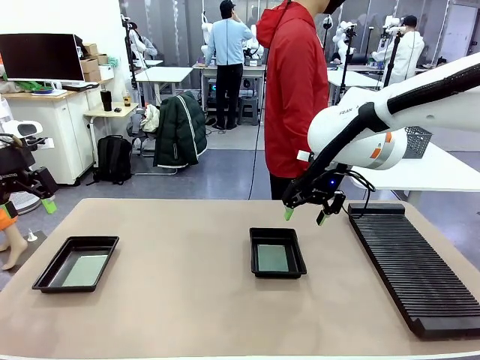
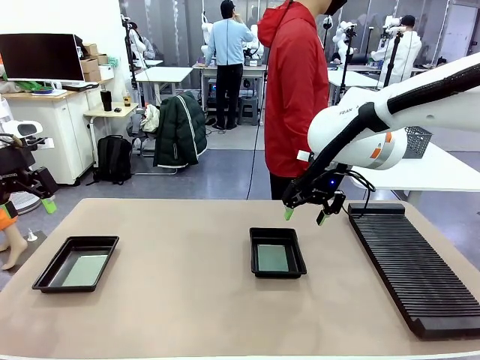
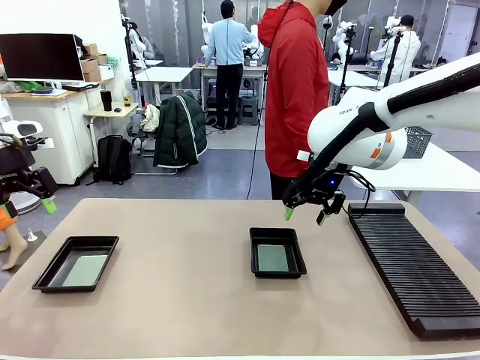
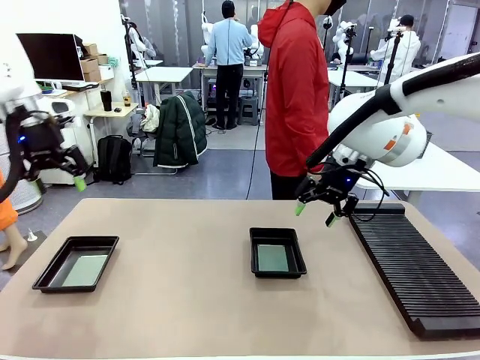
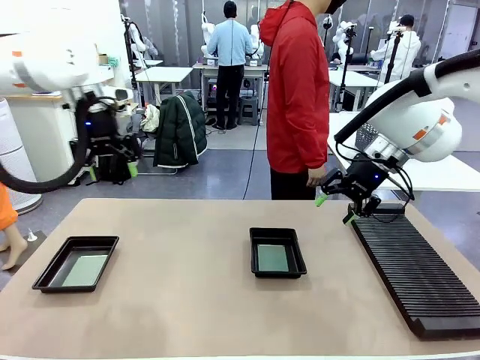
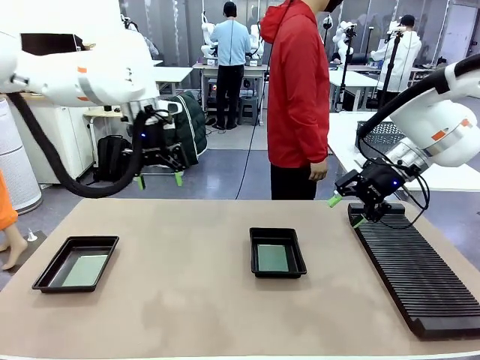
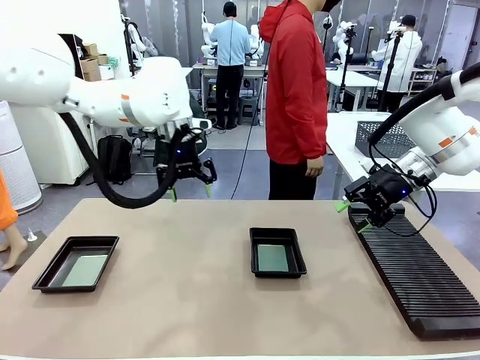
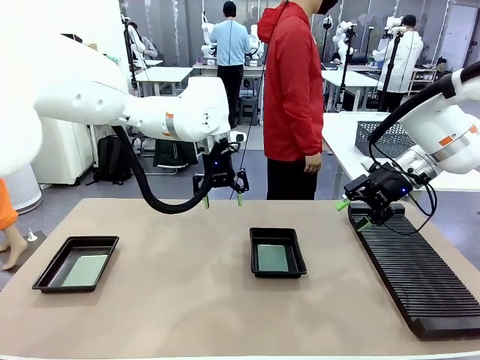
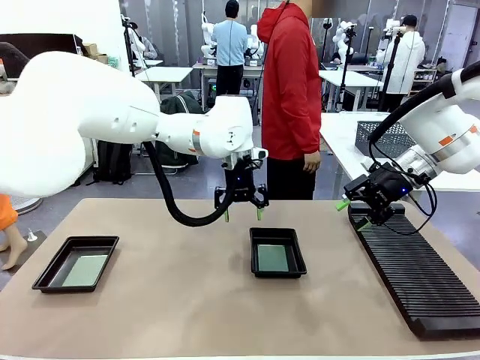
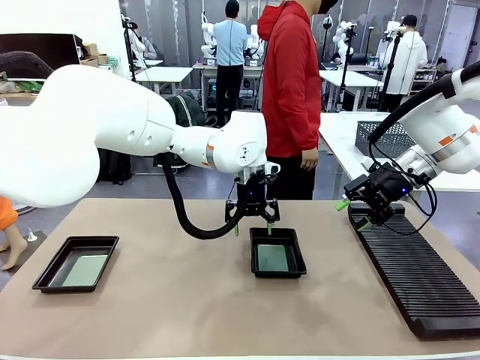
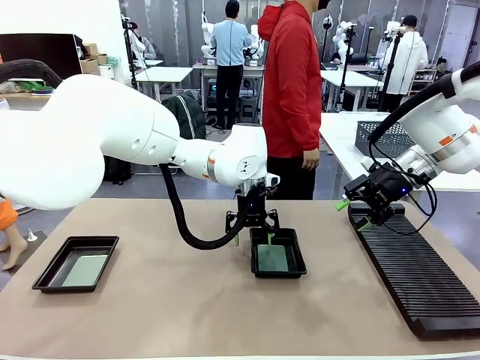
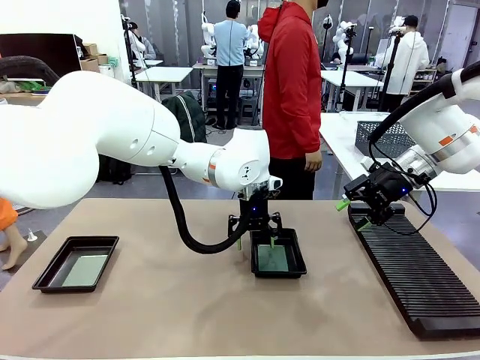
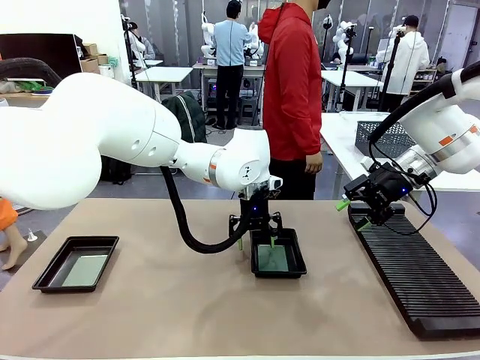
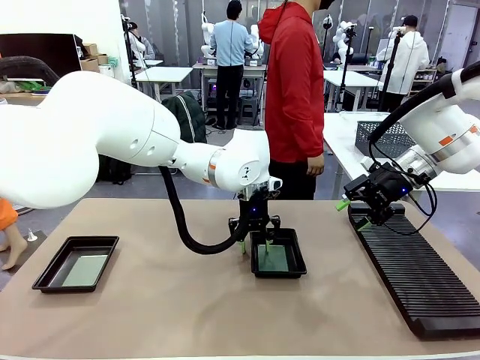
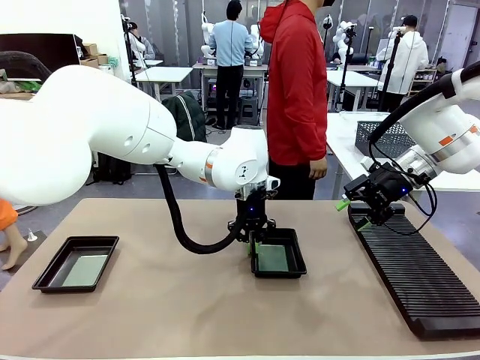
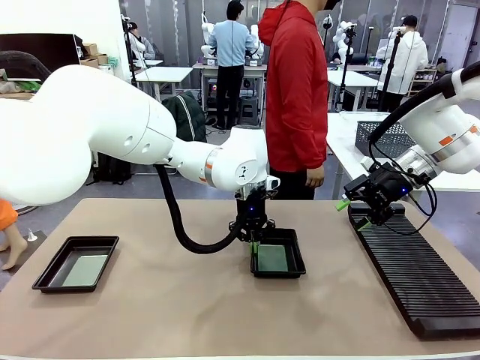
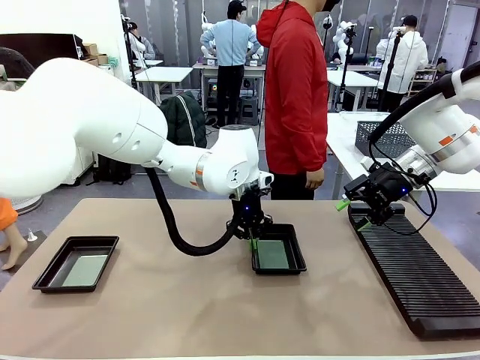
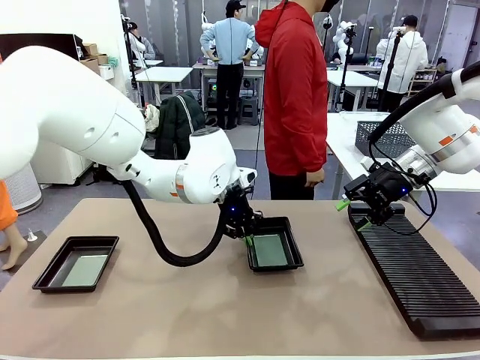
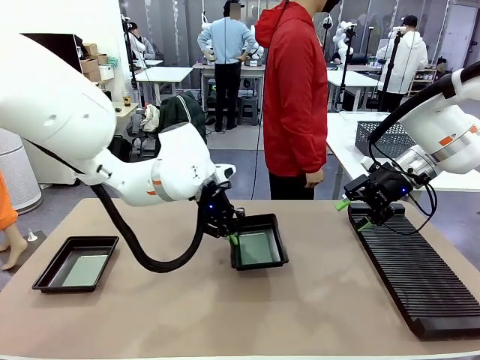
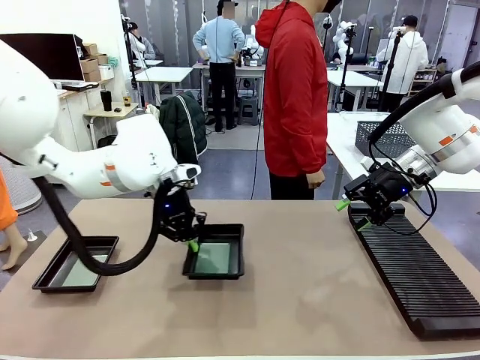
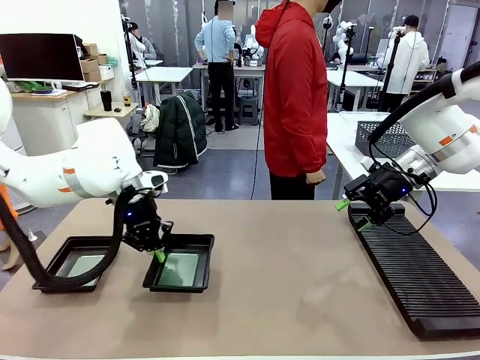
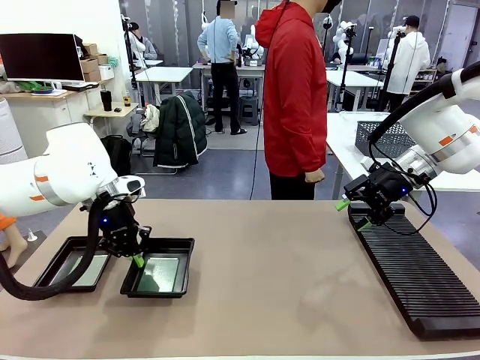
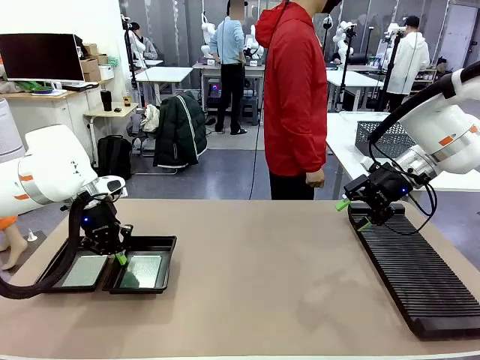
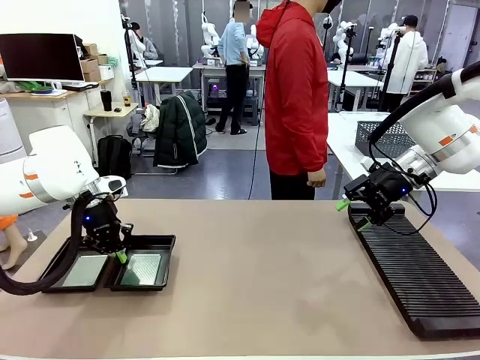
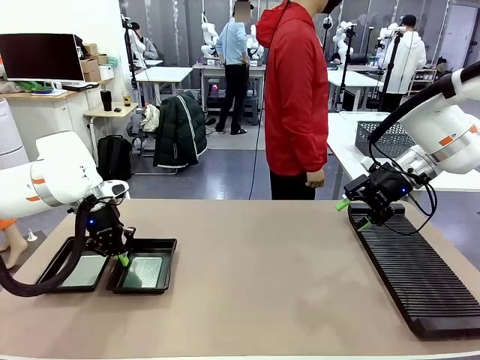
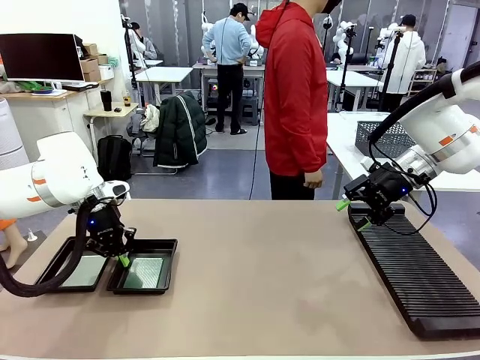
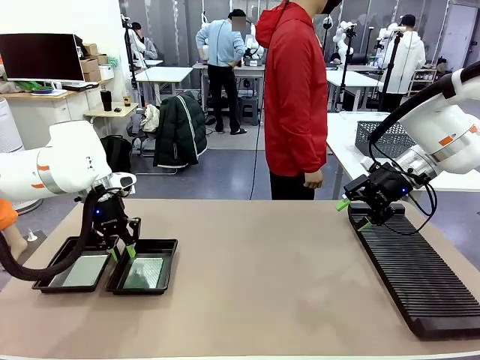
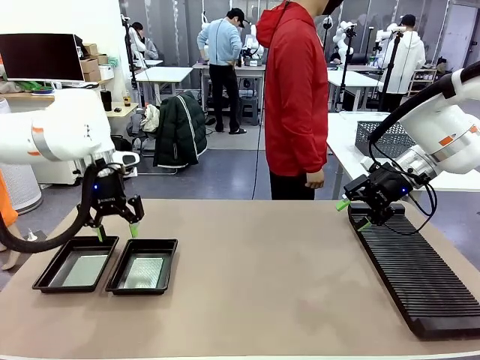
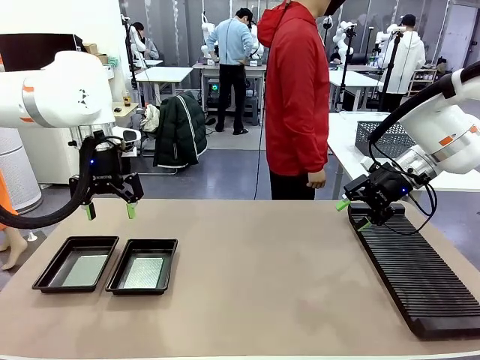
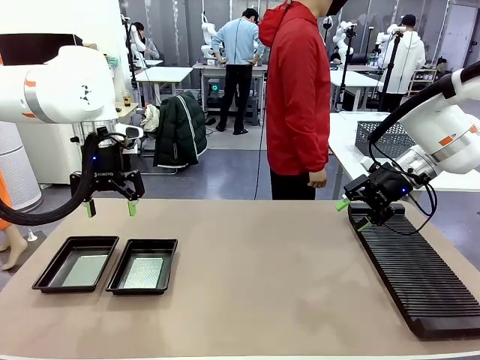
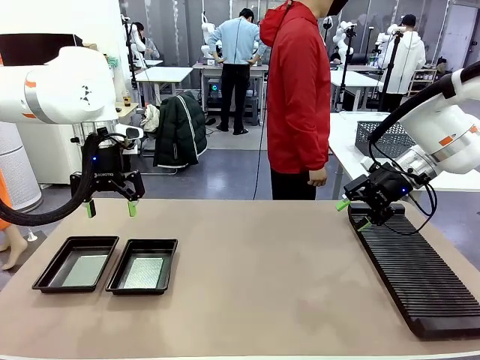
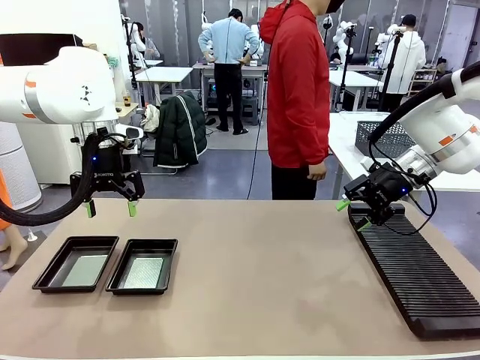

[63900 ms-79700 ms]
Task: Inspect and transfer BCBs to ESD trays.
Robot: Pick up the ESD tray and place it on the left side of the table.

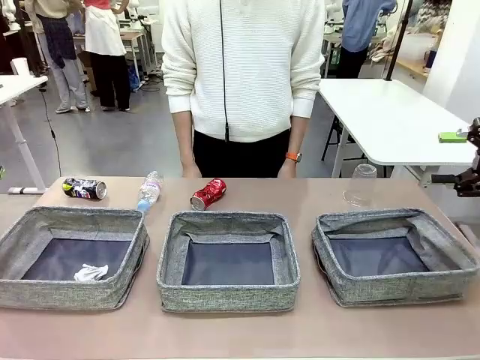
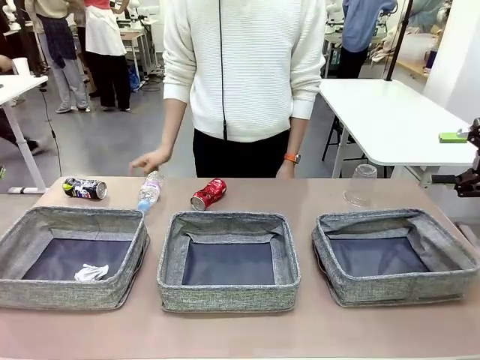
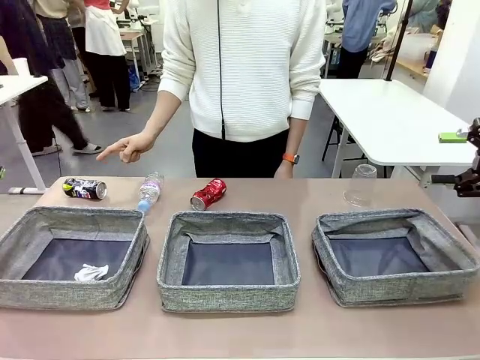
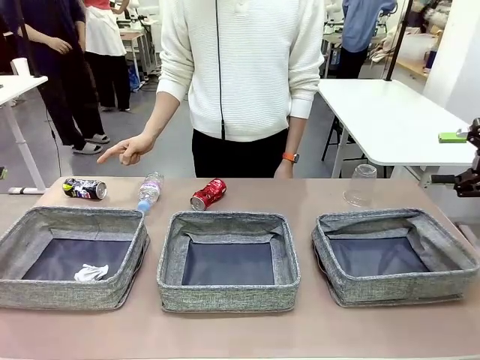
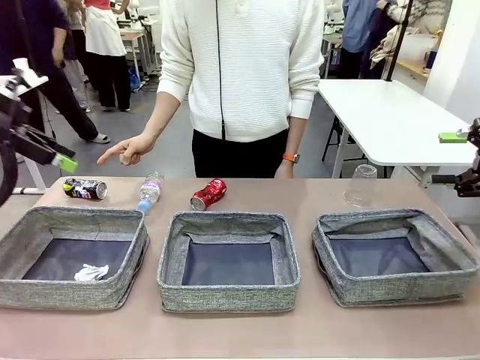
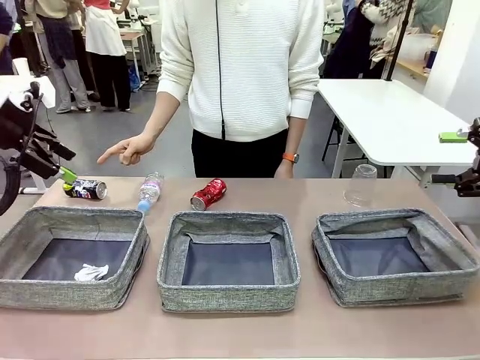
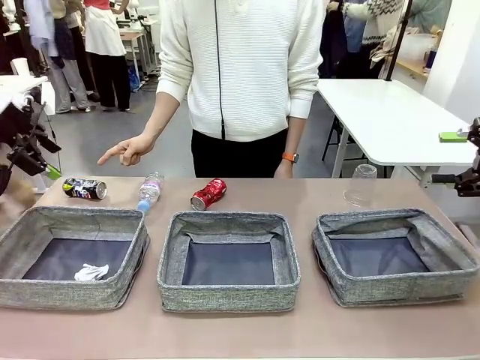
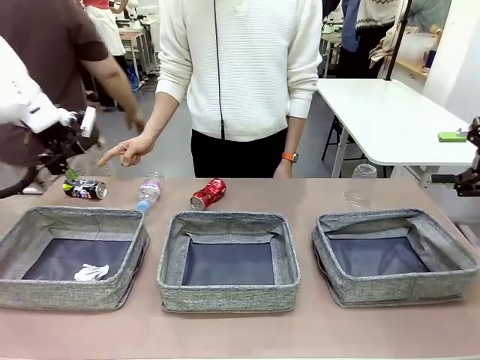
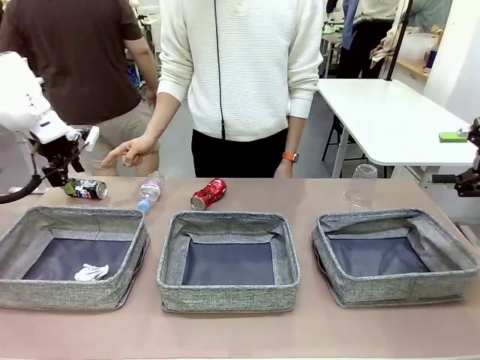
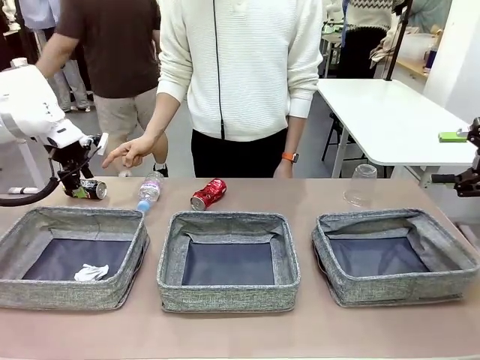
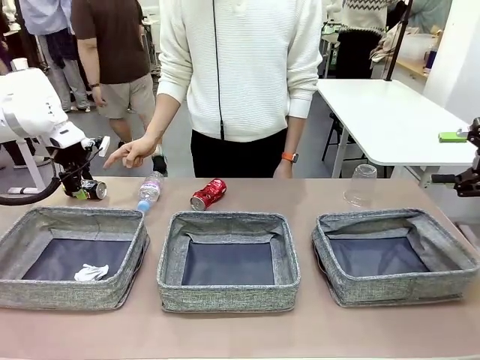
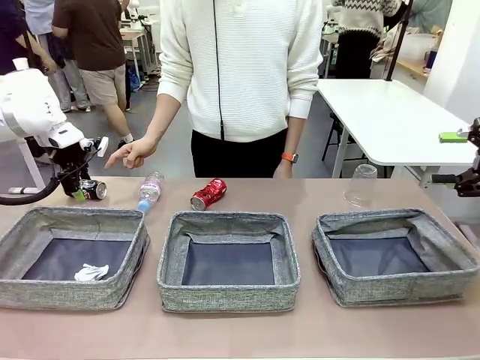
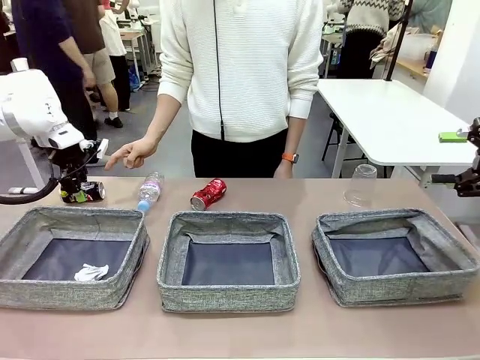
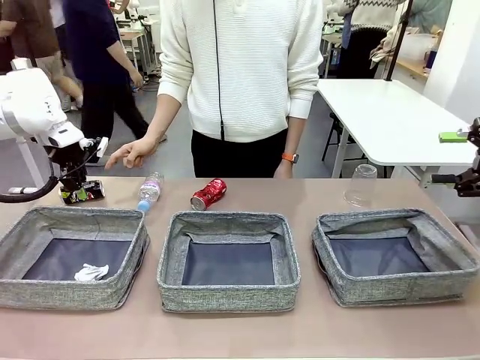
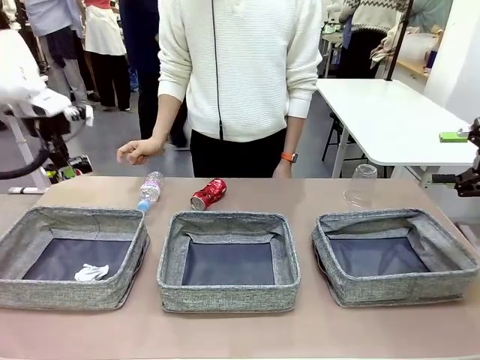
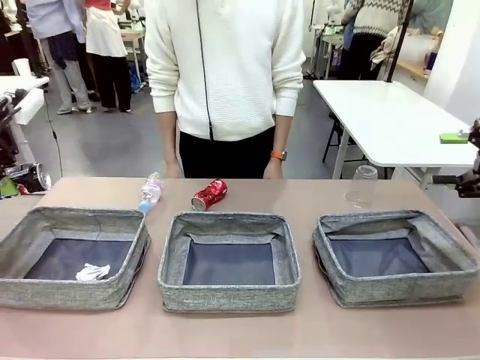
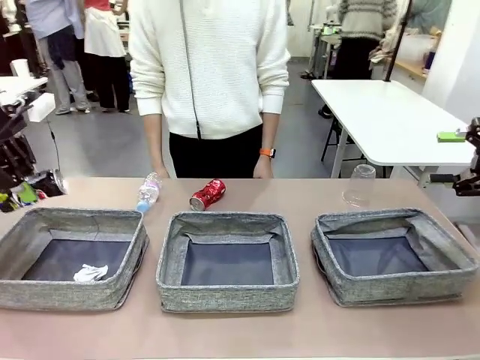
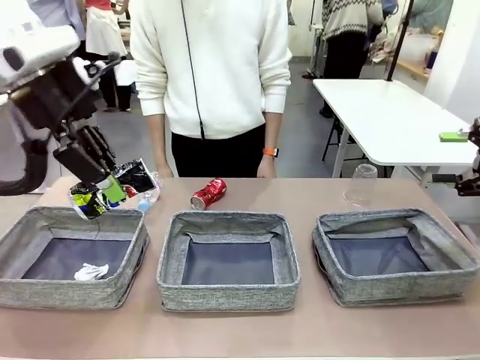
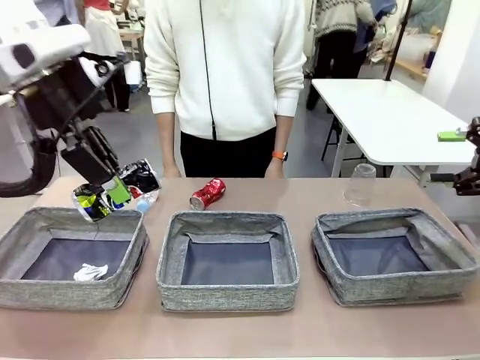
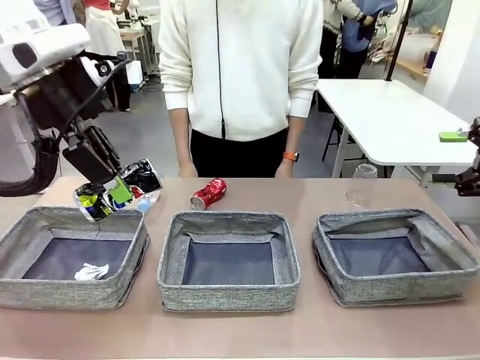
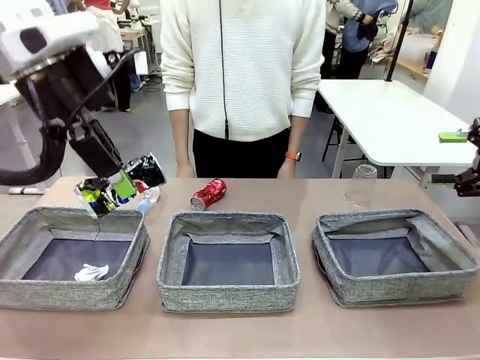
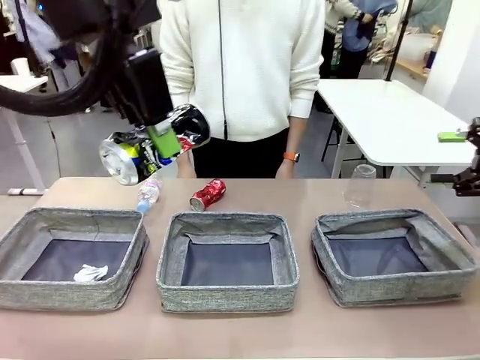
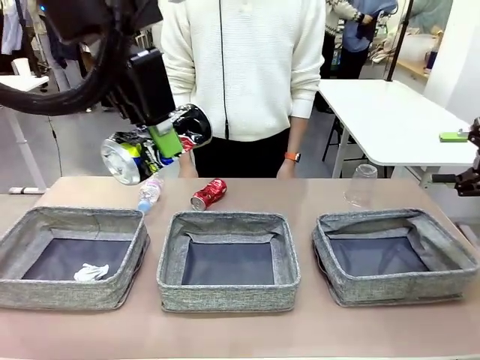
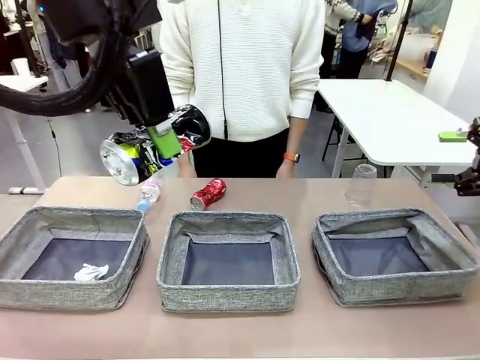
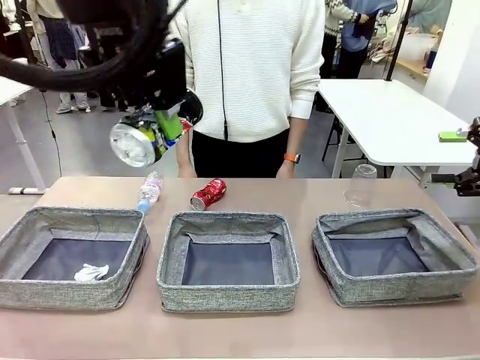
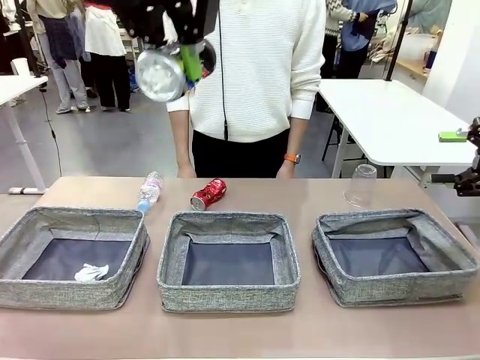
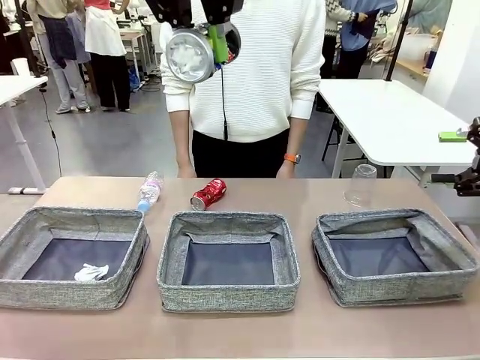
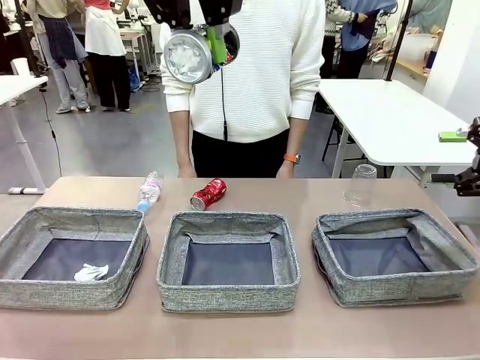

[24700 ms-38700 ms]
Task: Sort the waste into the appropriate baskets.
Robot: Pick up the waste item pointed out by the person.
Person: Points to one piece of trash on the table.
